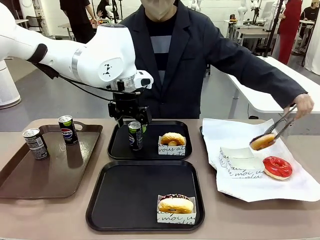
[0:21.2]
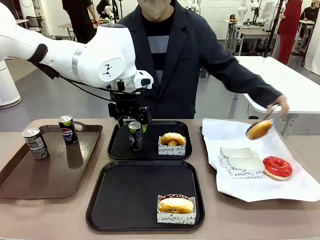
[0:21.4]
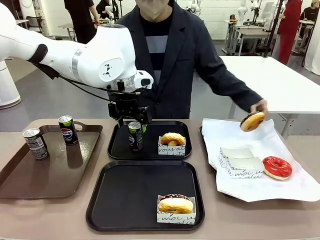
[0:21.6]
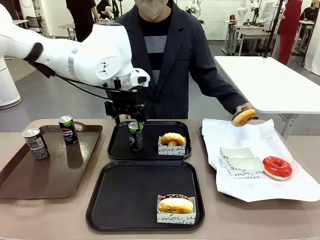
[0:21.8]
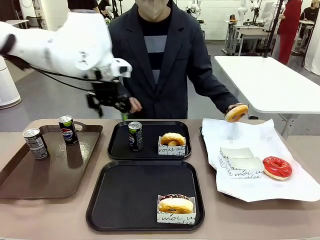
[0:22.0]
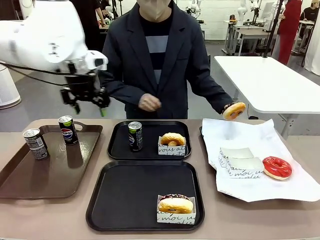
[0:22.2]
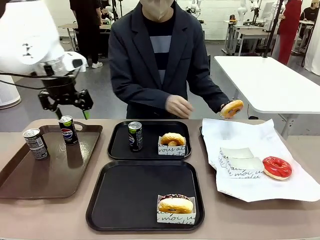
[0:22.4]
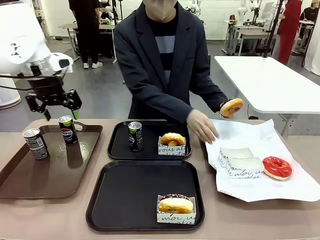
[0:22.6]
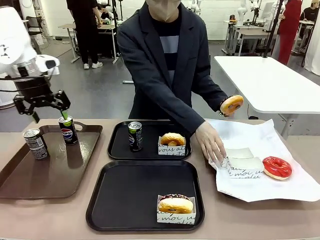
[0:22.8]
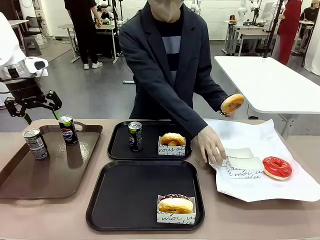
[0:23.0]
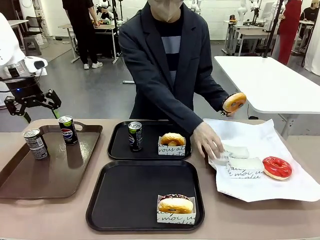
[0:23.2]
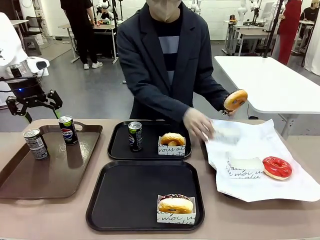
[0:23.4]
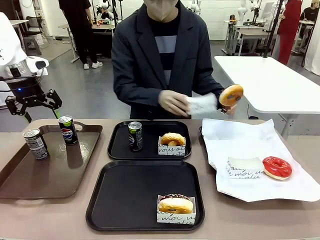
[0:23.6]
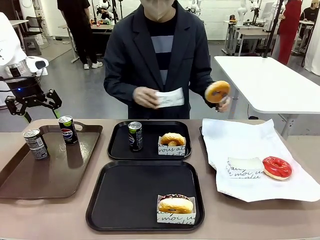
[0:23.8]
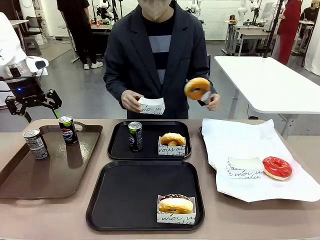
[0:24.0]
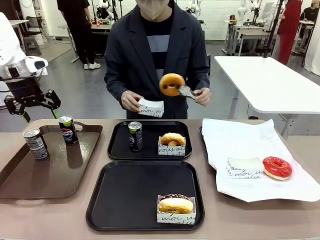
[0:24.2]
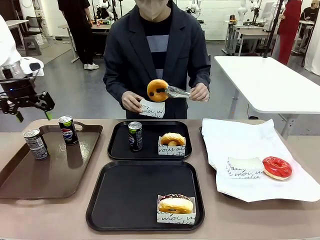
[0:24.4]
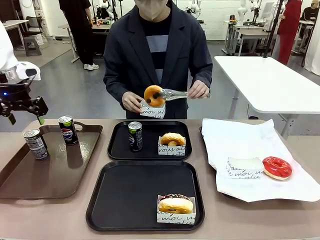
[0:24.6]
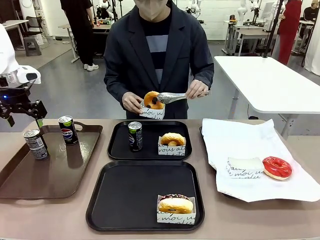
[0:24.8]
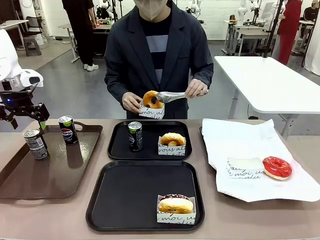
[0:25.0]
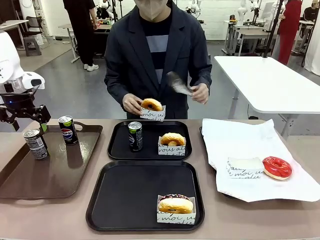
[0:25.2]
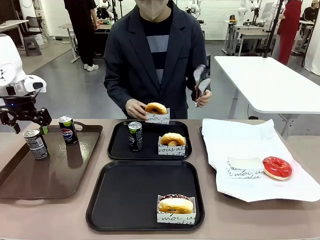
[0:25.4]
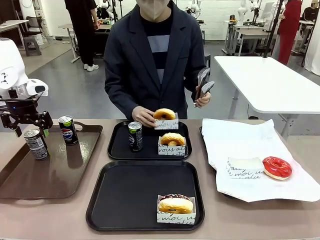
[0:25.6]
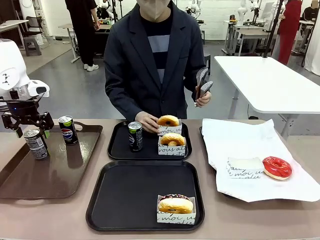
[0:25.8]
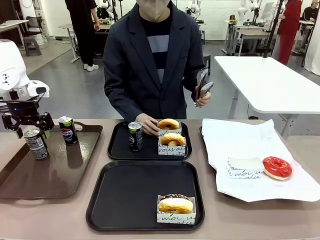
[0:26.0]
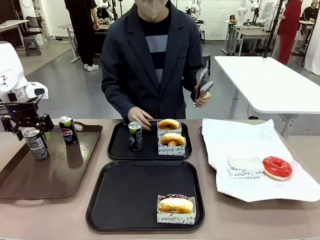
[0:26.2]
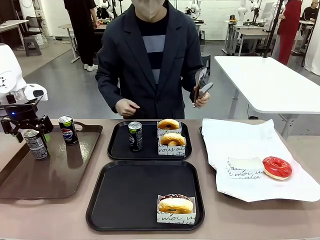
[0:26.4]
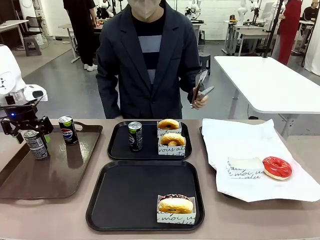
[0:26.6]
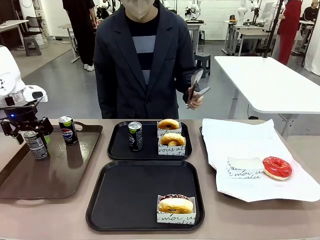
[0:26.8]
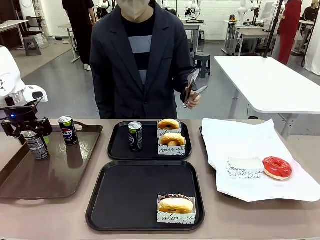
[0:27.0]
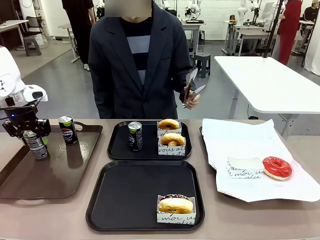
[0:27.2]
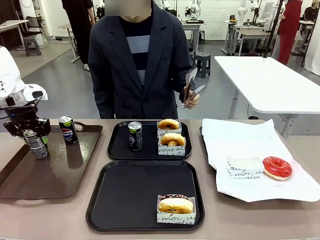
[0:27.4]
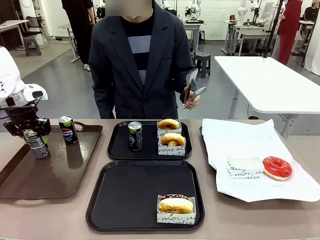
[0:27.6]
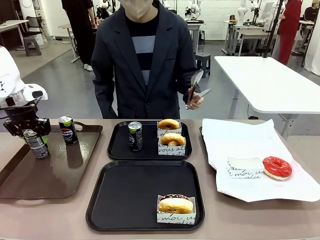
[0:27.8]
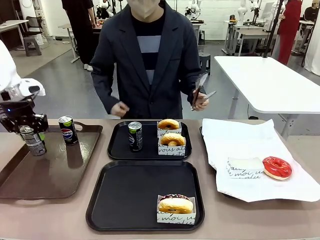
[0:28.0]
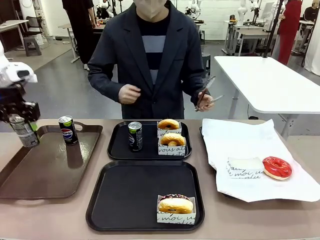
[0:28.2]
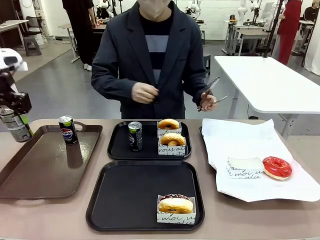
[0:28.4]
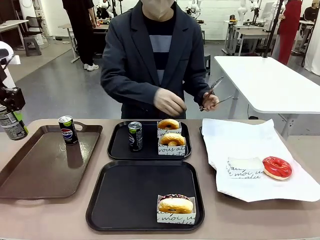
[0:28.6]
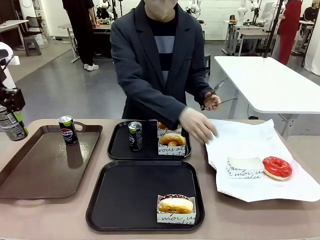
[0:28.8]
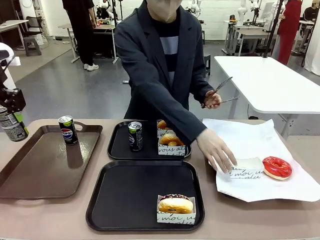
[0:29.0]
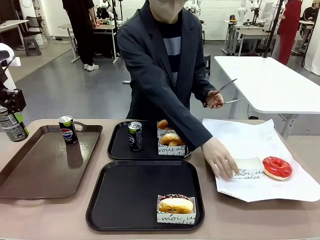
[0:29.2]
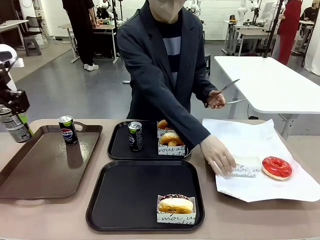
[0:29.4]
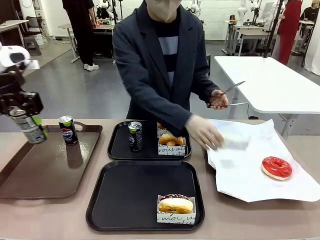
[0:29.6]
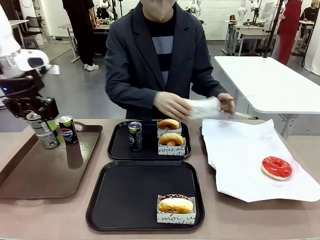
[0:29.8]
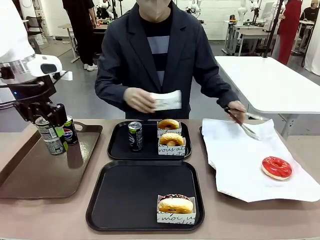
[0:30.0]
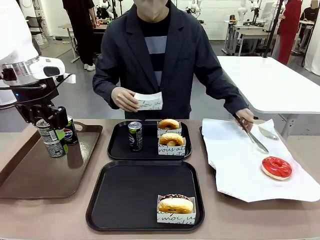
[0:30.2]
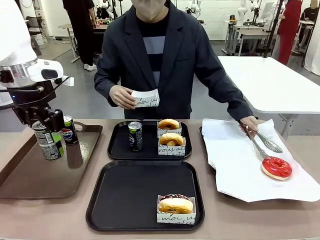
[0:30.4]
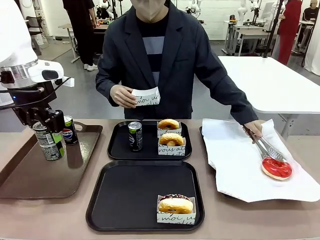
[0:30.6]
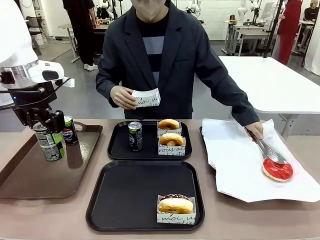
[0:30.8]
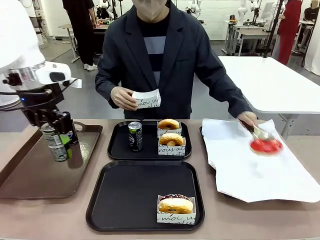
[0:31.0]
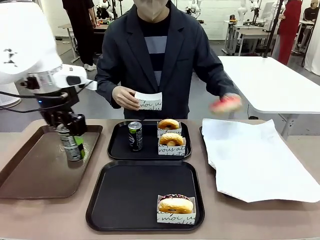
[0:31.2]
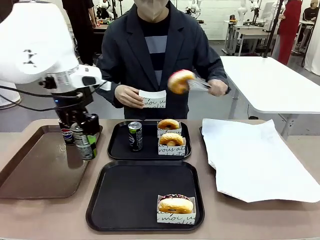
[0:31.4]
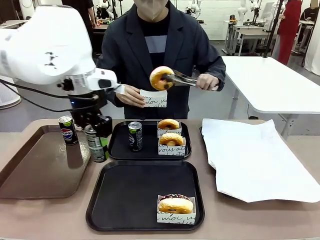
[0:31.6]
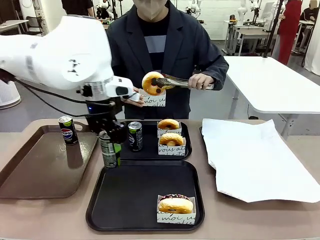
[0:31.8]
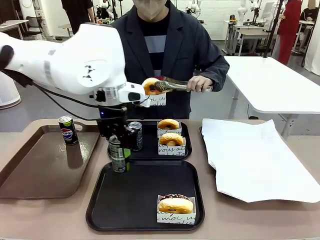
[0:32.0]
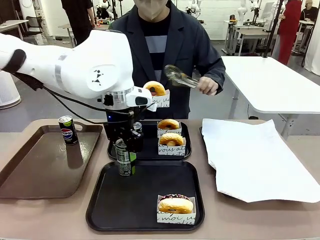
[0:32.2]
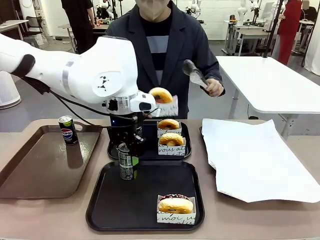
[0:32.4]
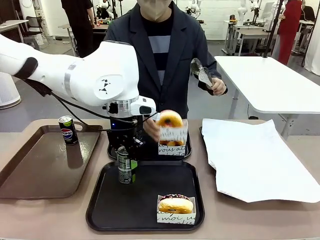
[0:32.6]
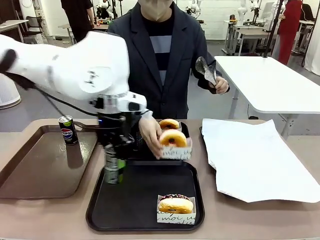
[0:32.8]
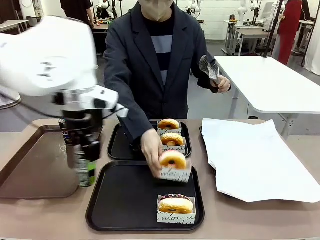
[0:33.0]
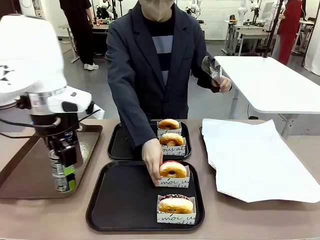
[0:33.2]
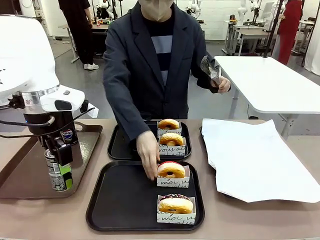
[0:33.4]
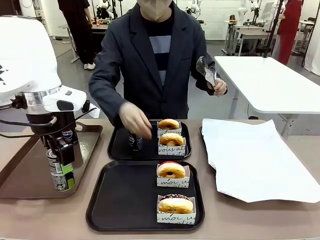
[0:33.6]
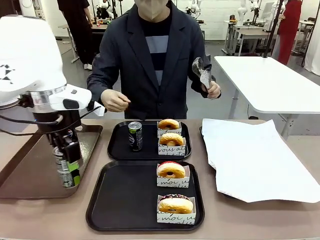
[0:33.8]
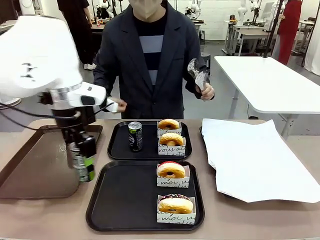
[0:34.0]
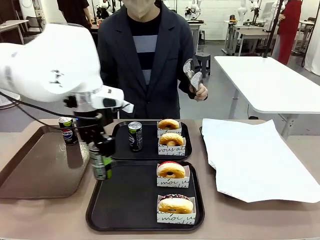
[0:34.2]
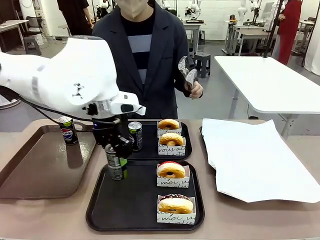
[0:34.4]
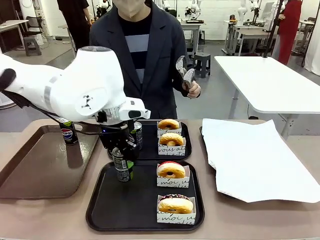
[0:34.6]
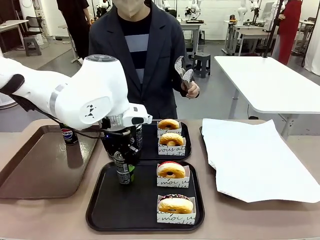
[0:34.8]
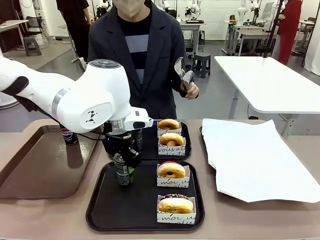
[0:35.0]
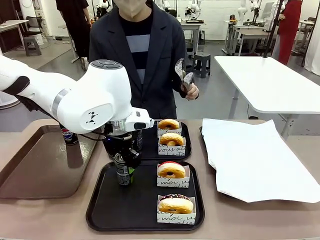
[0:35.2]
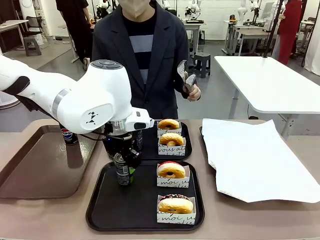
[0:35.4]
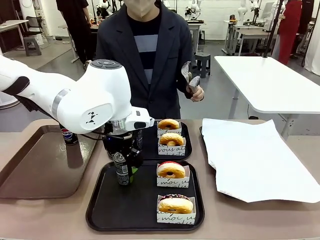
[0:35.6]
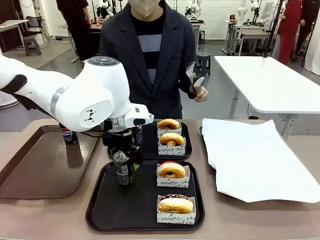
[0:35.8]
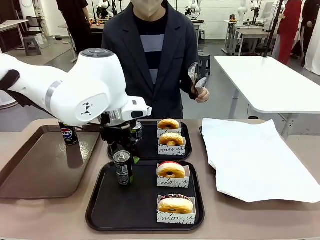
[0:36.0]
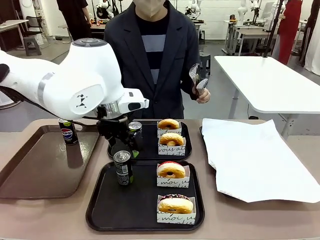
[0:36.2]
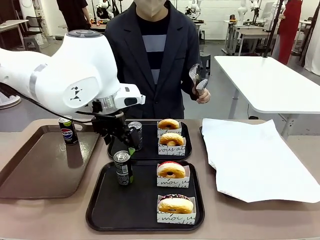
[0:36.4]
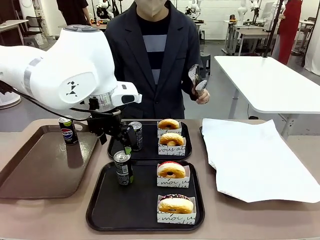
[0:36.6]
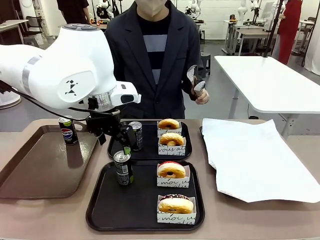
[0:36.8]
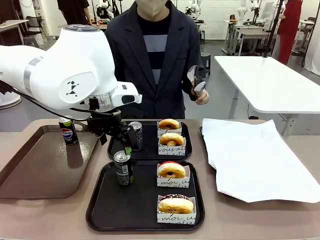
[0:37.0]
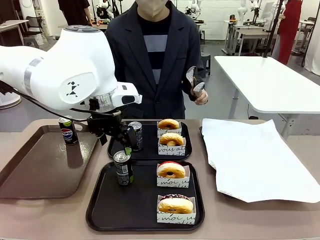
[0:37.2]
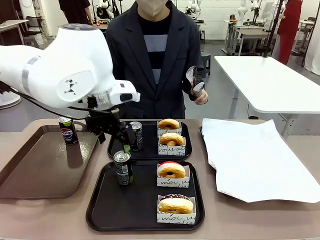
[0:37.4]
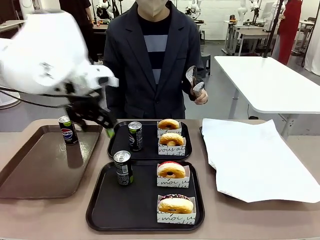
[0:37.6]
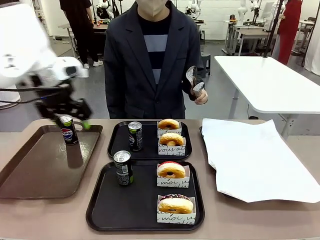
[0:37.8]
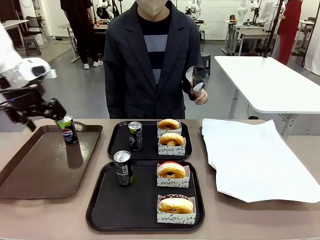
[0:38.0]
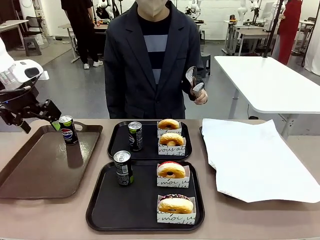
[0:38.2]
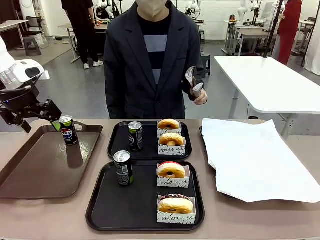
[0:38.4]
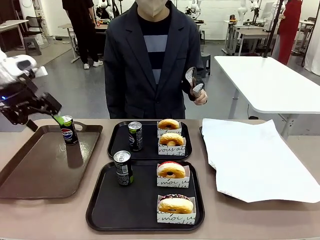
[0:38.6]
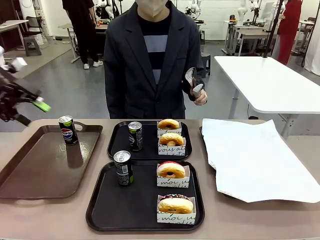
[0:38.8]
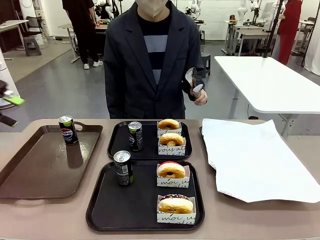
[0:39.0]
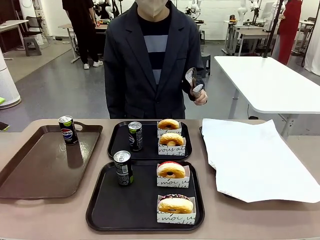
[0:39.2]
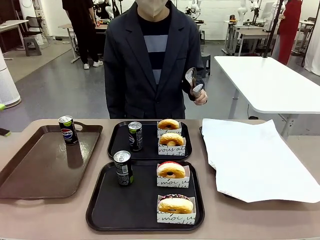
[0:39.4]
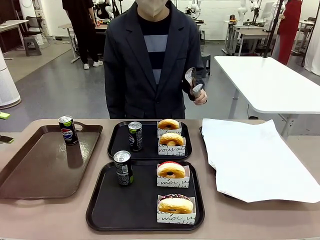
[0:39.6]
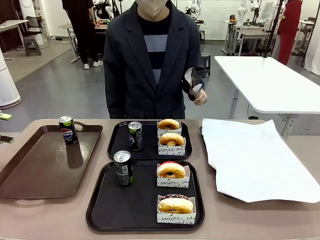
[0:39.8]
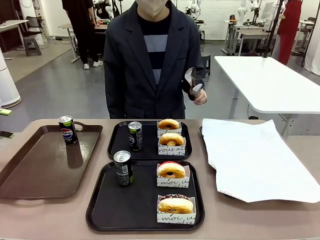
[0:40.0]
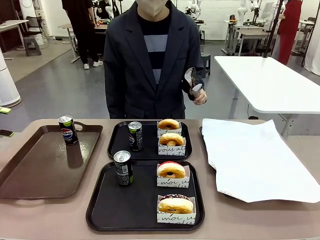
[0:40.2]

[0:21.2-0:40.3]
Task: Set up donuts and drinks on trays.
Robot: Pick up one Pepsi coke from the Handle tray and place it on the Flat Tray without a Pepsi coke.
